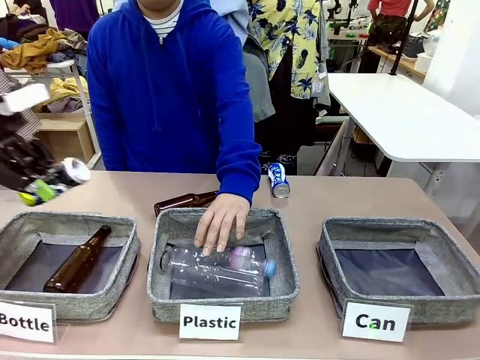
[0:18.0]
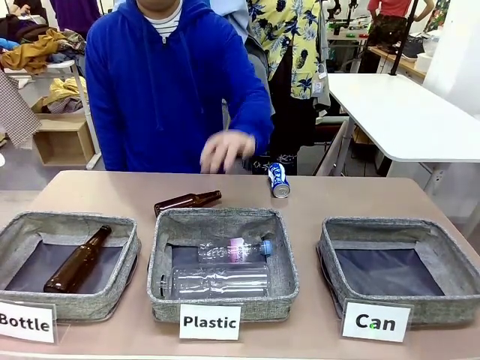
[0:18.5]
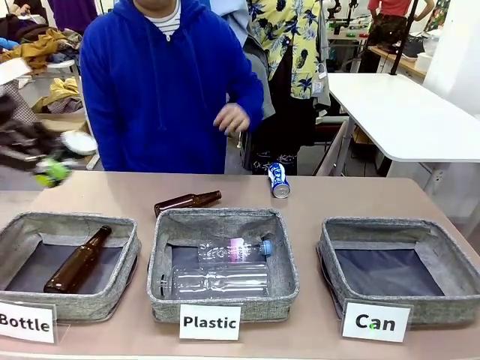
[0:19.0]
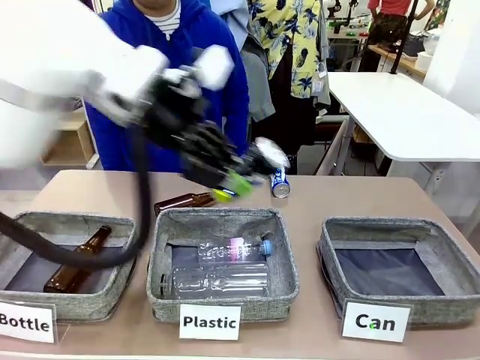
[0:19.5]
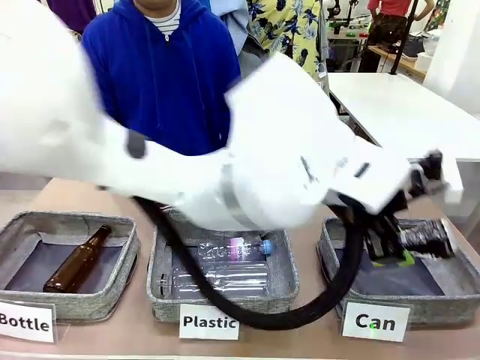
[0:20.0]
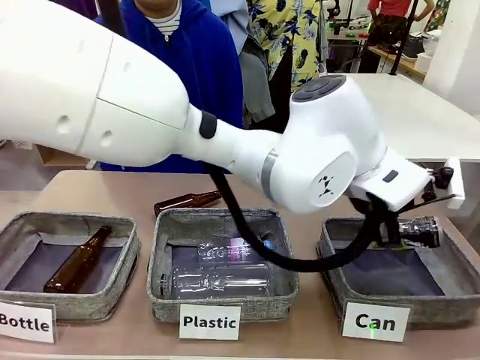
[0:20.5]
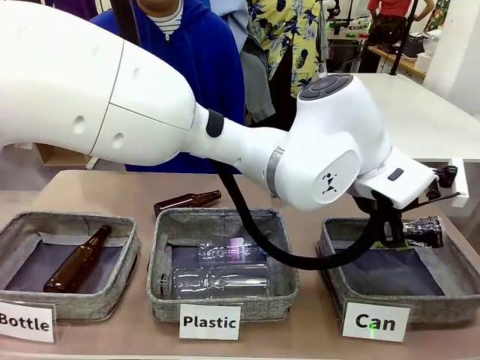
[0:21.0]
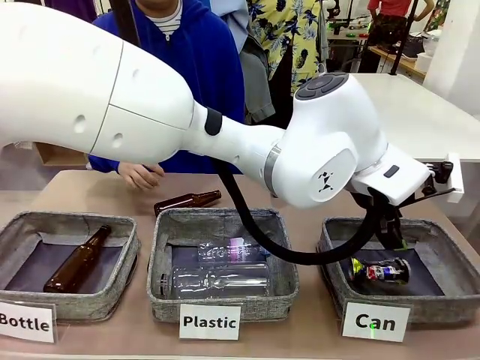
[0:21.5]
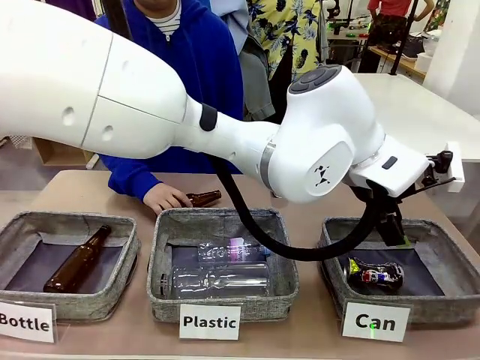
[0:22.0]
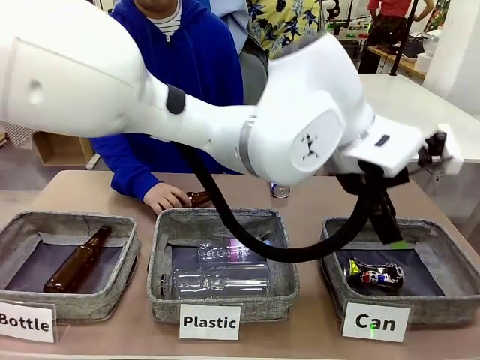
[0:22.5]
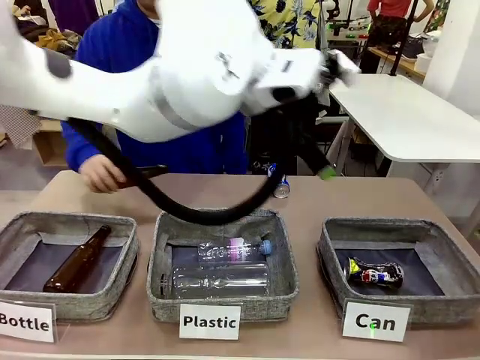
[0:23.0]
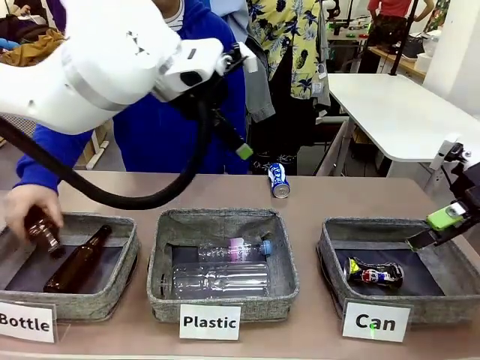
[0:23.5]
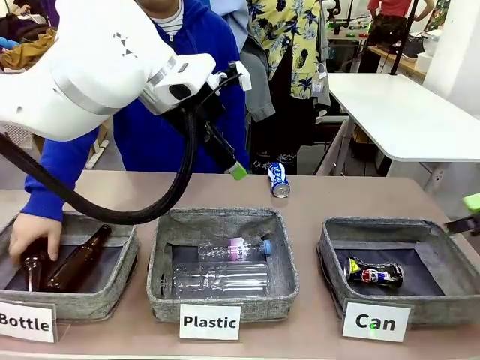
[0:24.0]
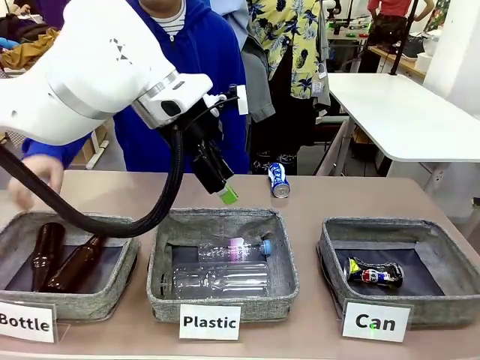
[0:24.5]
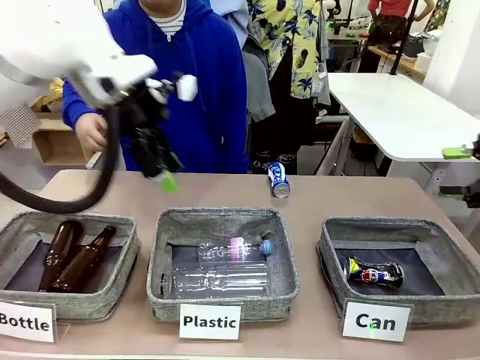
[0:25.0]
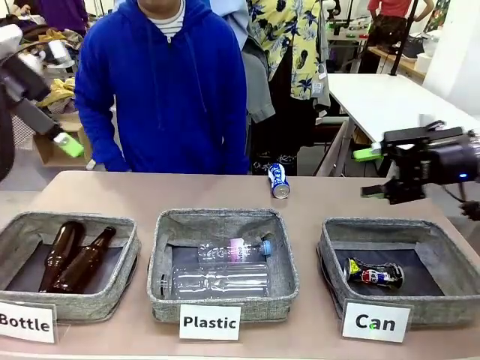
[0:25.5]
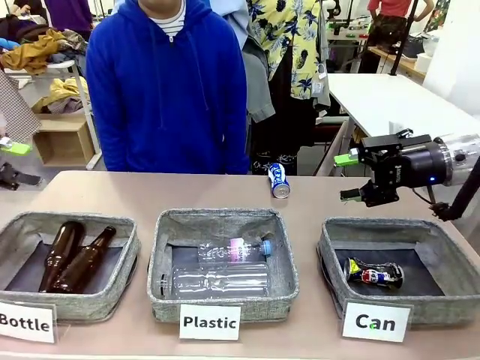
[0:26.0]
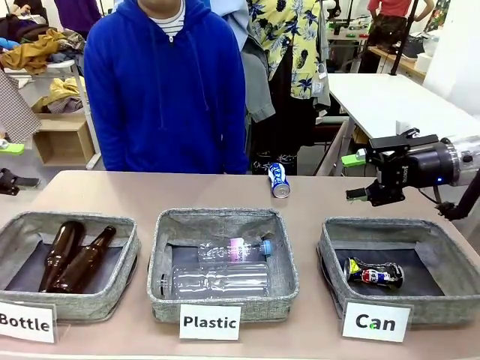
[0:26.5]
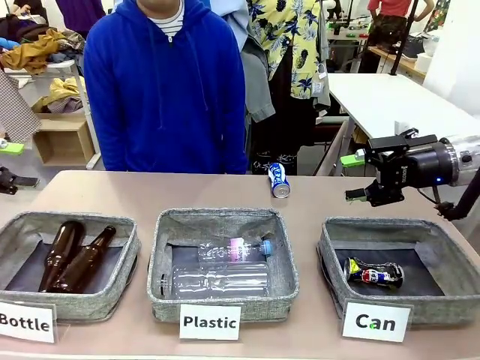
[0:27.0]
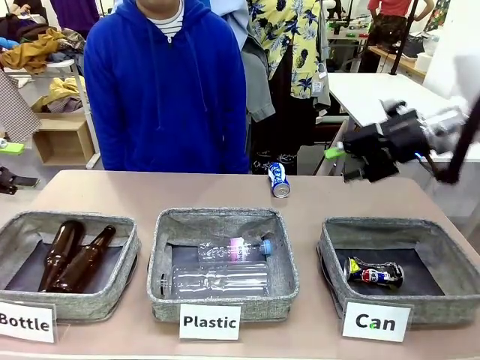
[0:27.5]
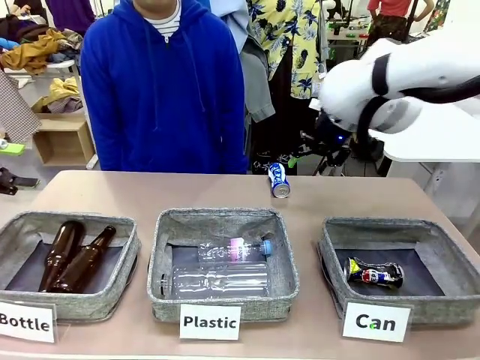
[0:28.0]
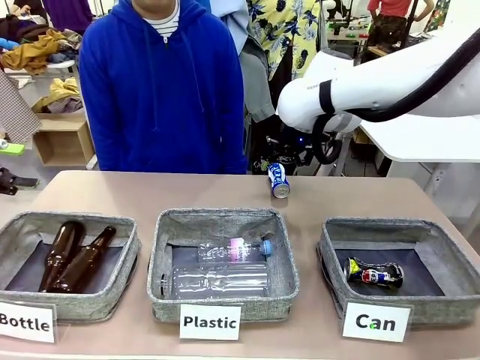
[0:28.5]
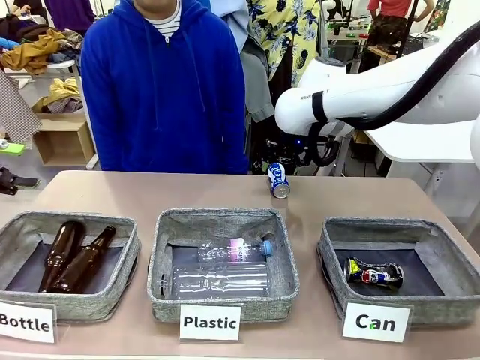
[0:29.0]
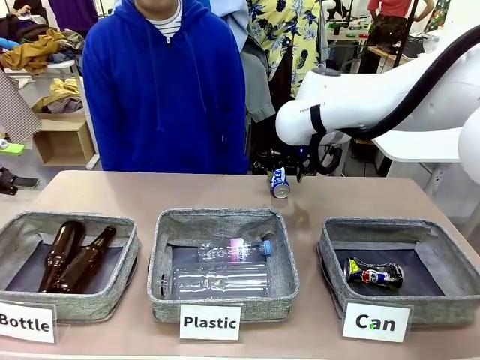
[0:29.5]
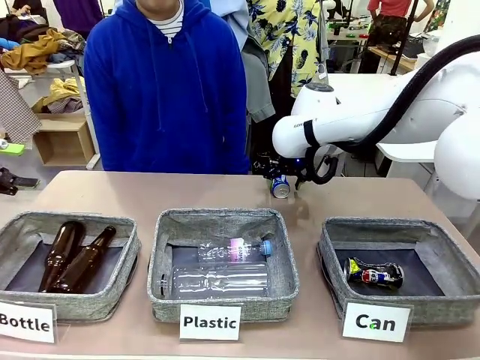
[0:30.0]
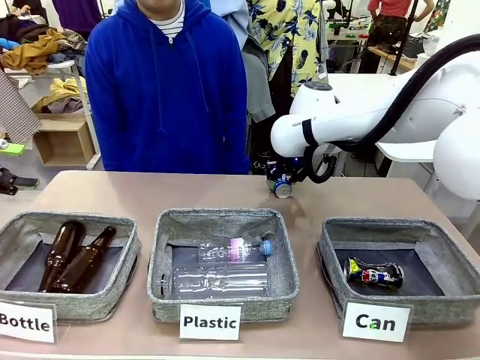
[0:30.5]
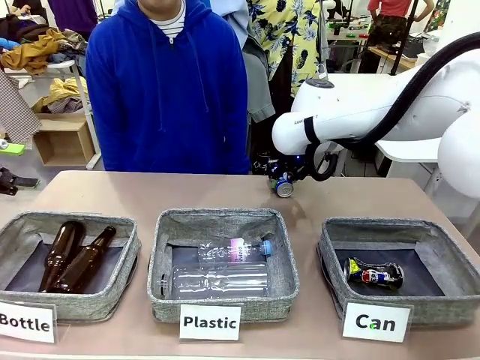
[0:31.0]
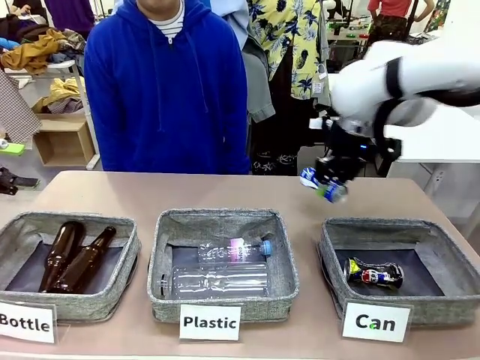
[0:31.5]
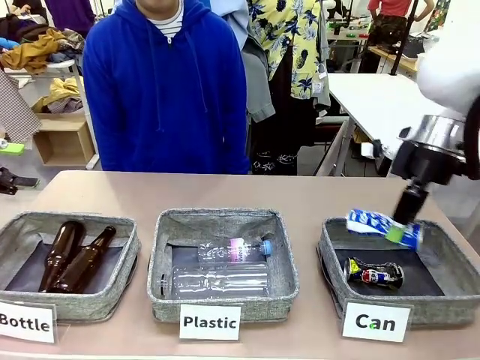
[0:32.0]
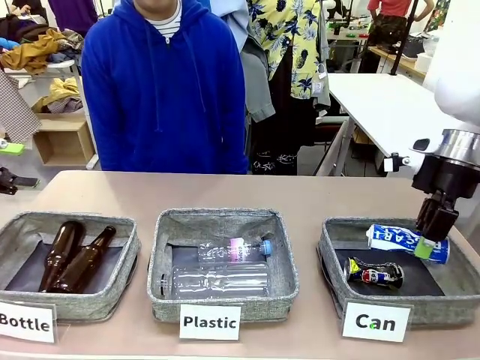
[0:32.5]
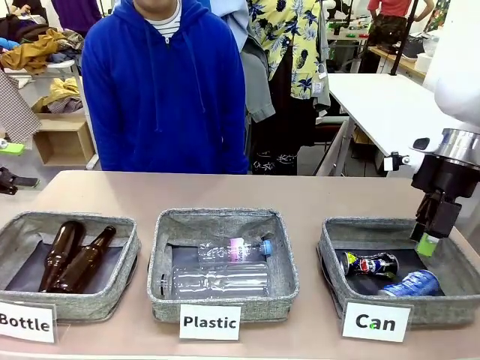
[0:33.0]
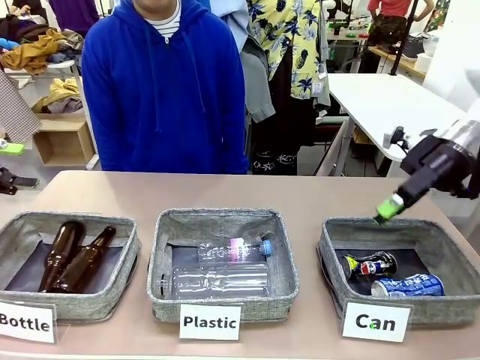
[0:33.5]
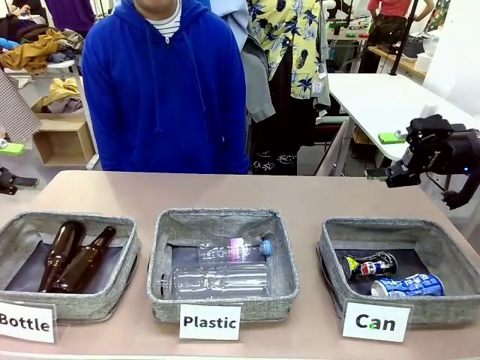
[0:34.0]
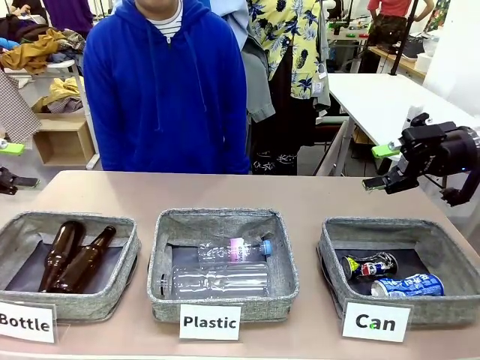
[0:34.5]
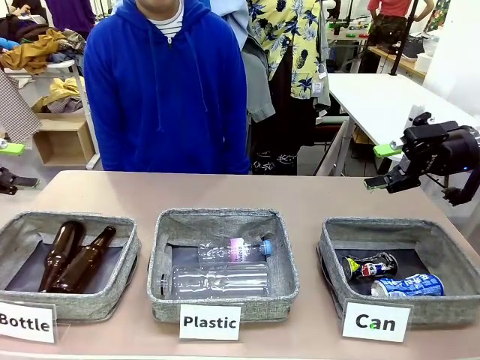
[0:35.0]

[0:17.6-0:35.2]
Task: Sort the can waste into the basket.
Robot: Pick up the can waste from the table and place it in the right Fabric basket.
